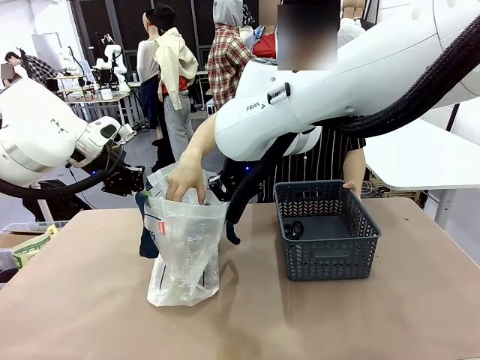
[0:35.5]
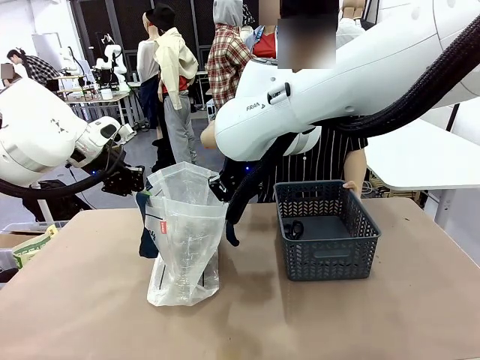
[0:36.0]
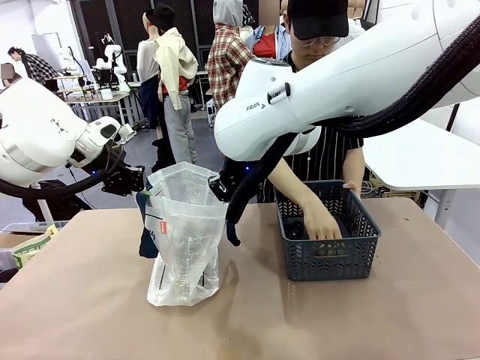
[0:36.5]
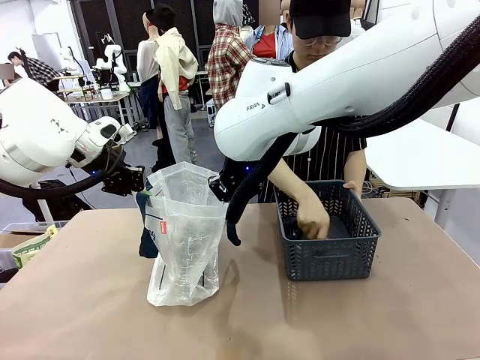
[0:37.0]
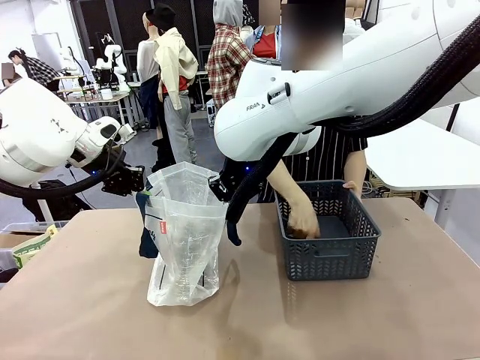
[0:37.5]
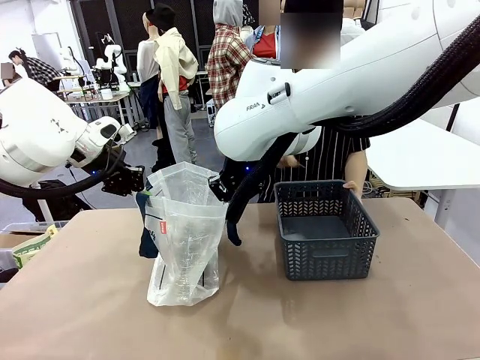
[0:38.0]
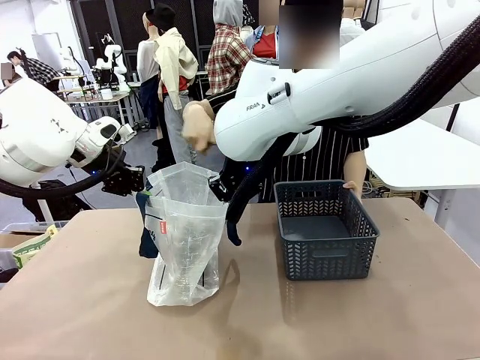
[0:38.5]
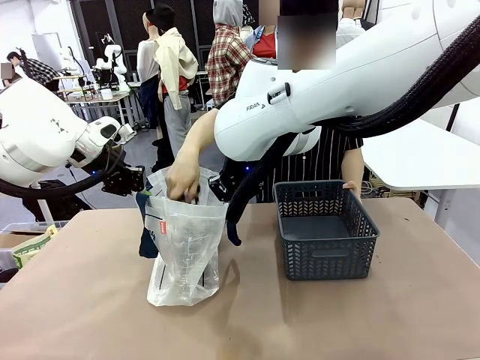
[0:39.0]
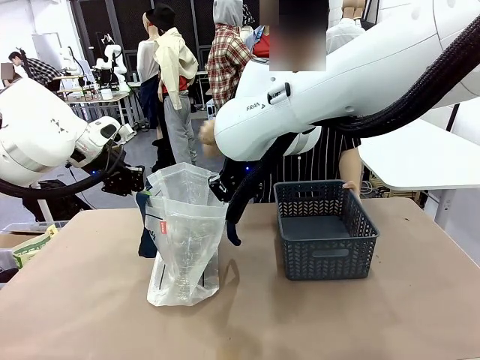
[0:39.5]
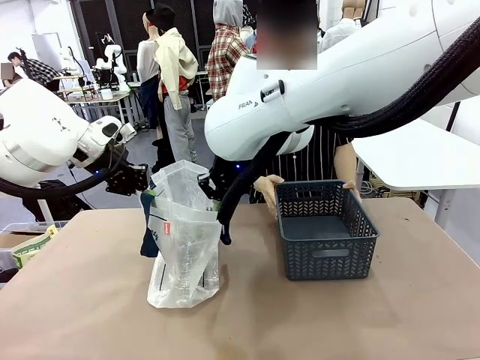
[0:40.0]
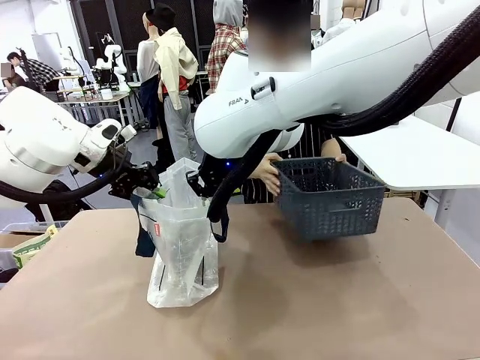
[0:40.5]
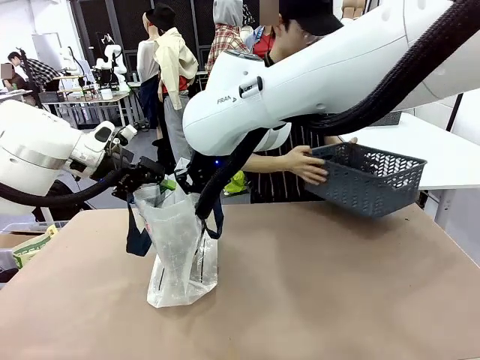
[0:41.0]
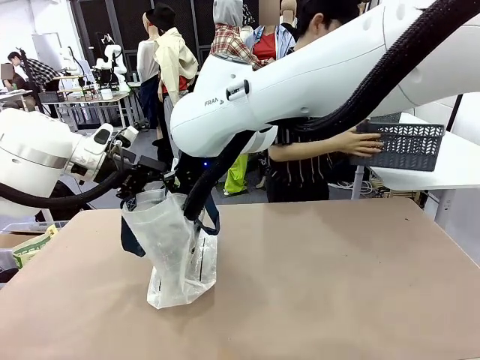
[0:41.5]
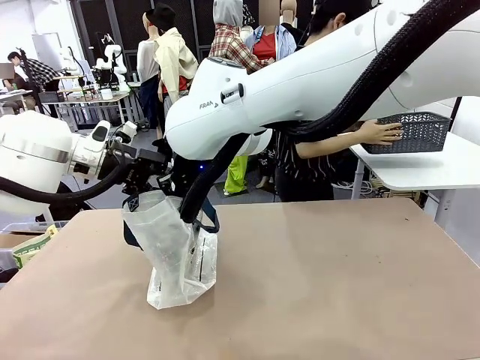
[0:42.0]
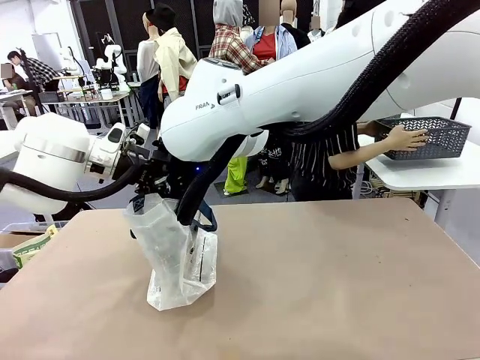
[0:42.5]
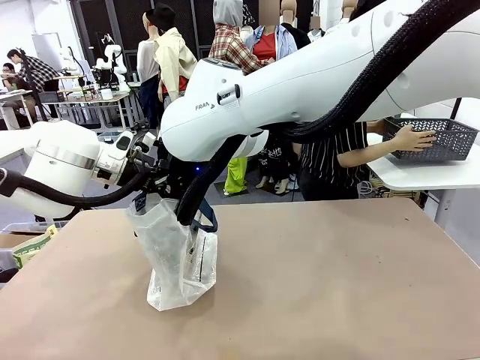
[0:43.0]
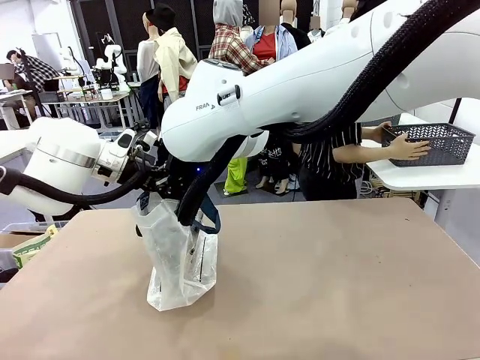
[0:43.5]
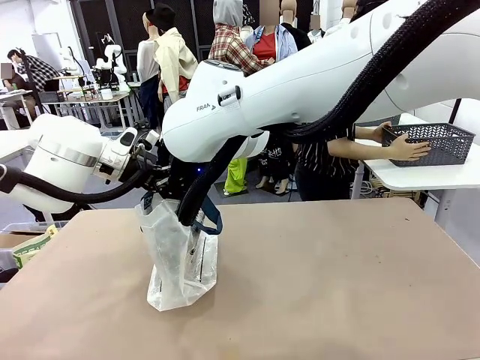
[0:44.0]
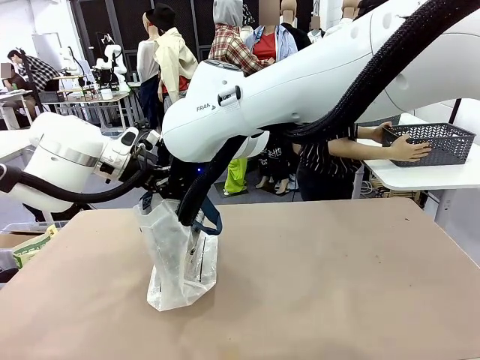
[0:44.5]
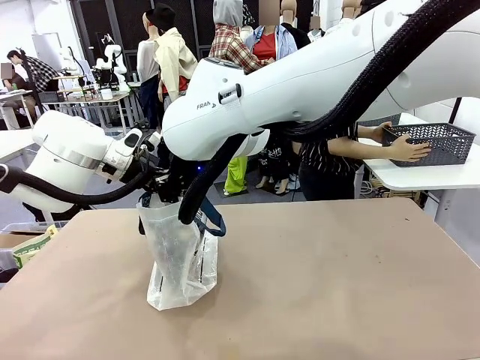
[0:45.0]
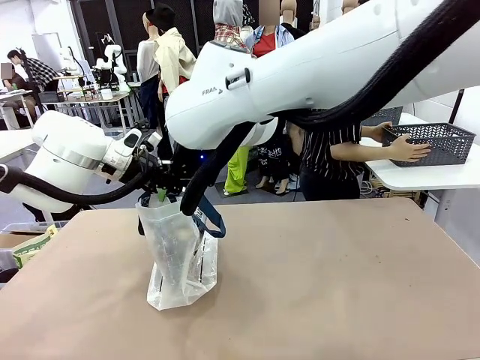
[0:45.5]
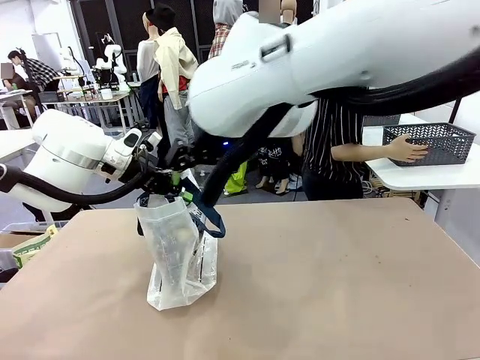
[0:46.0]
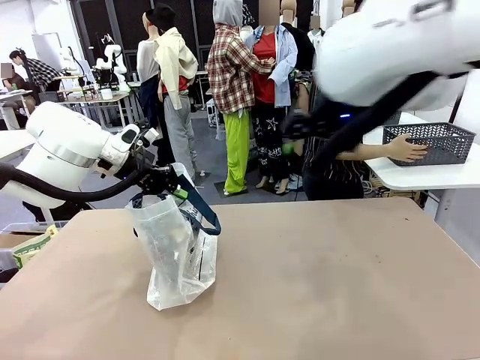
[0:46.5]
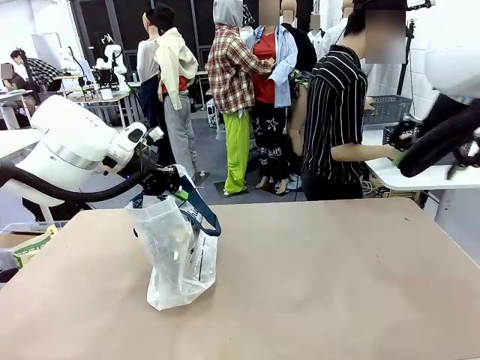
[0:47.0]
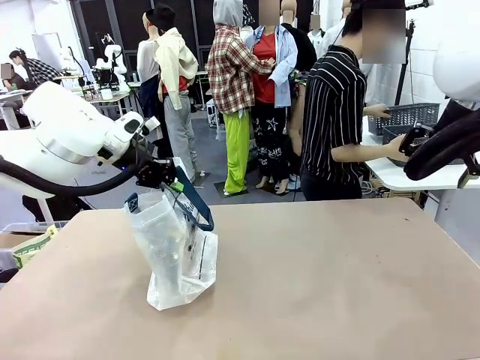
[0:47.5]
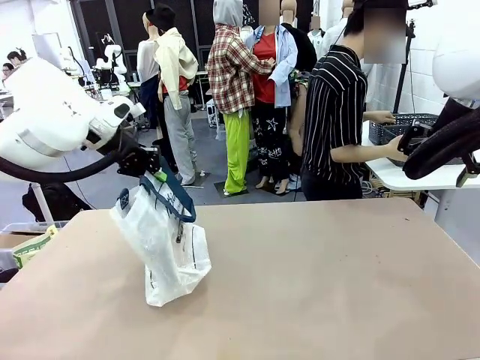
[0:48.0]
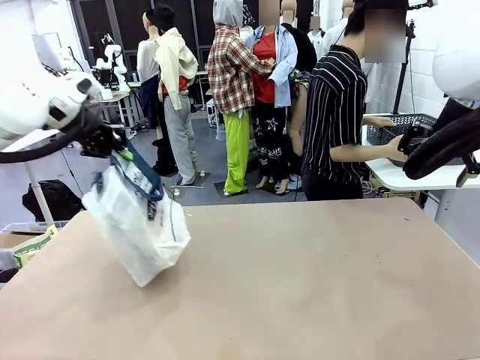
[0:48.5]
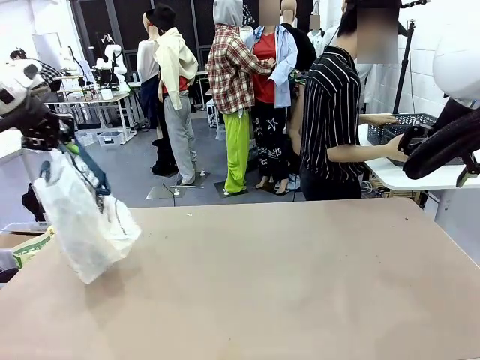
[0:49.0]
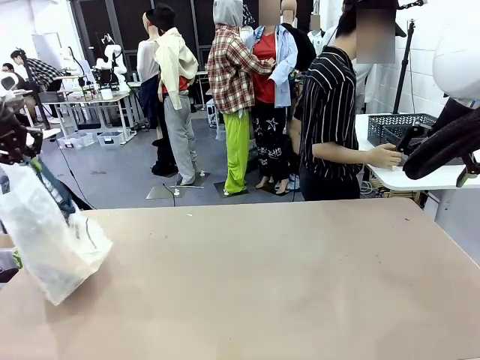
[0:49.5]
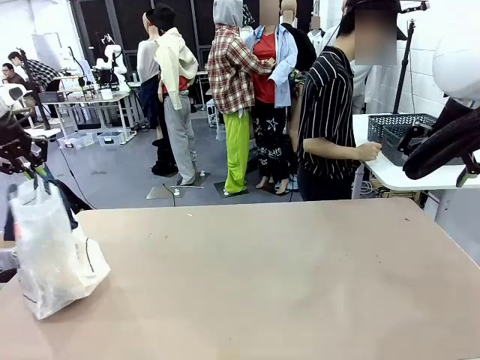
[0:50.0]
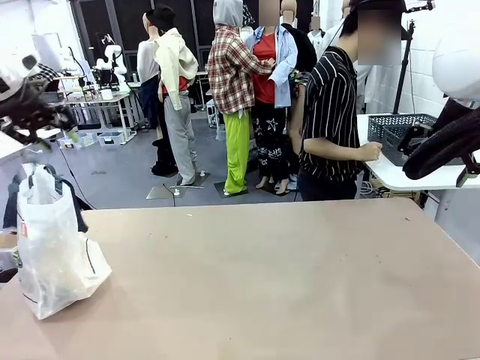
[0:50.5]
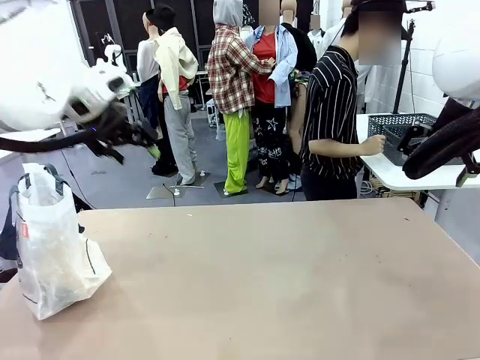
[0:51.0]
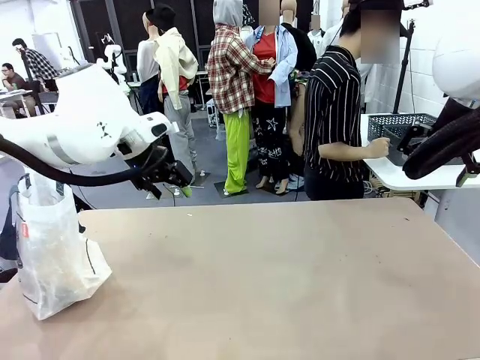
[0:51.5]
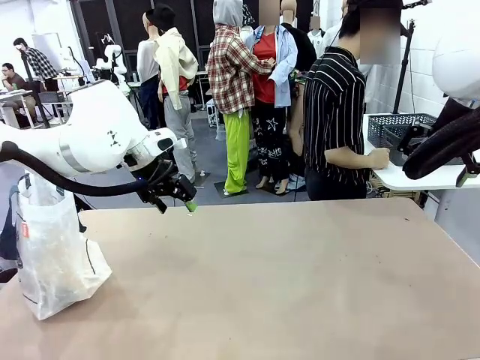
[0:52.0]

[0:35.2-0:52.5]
Task: Transfer purchased items from the store into the shopping bag.
Robot: Move the Reusable shopping bag to the right side of the table.
Person: Move the basket on the left to the middle of the person's table.

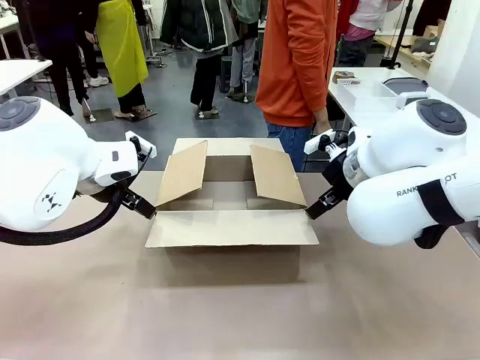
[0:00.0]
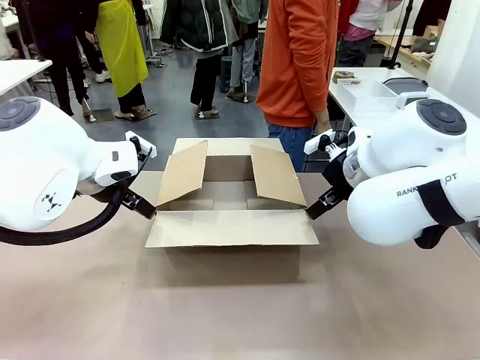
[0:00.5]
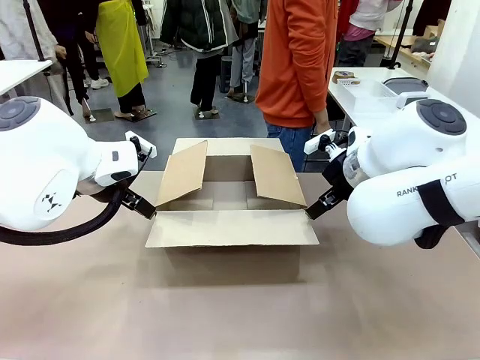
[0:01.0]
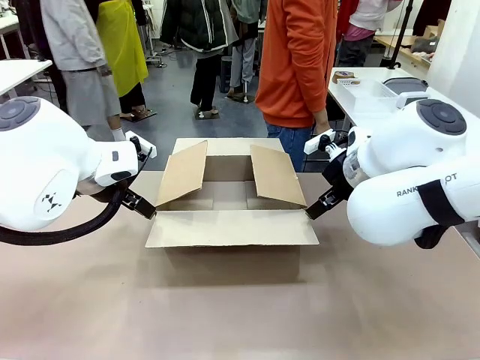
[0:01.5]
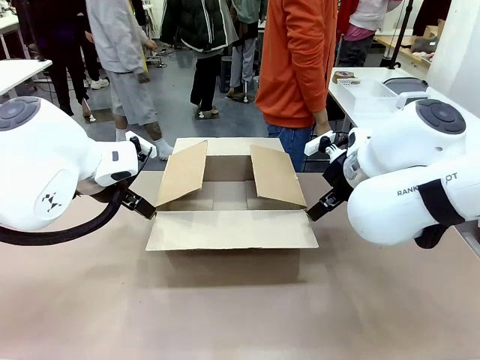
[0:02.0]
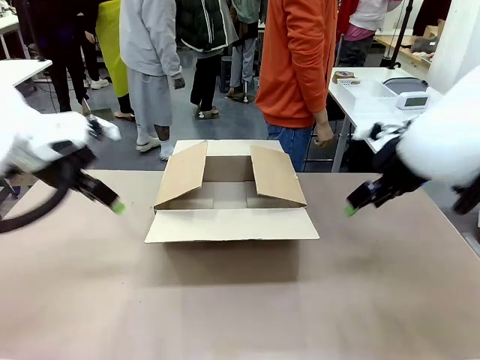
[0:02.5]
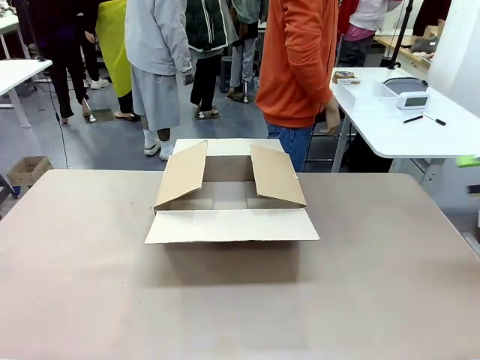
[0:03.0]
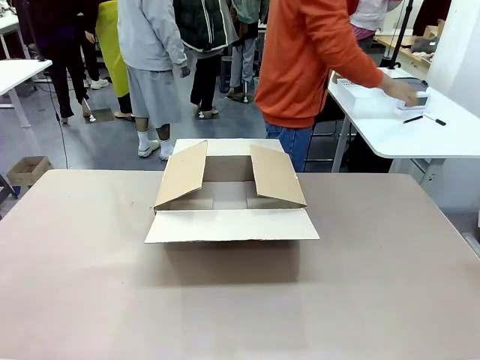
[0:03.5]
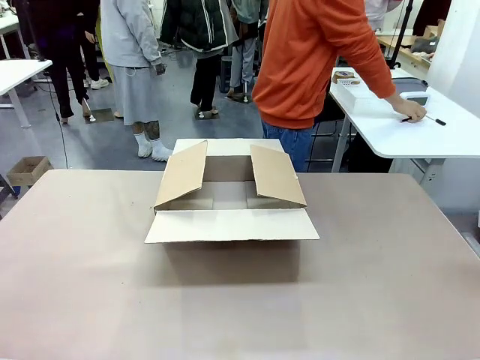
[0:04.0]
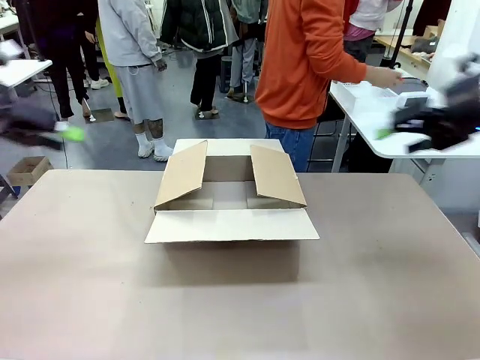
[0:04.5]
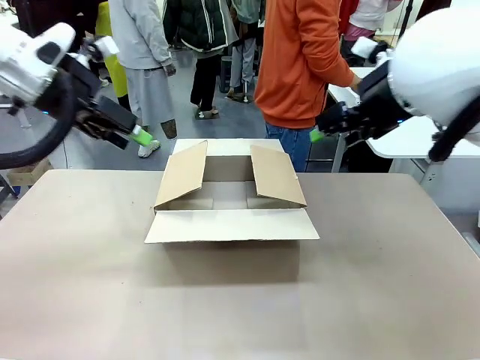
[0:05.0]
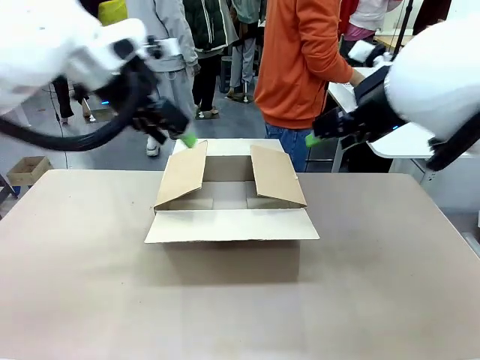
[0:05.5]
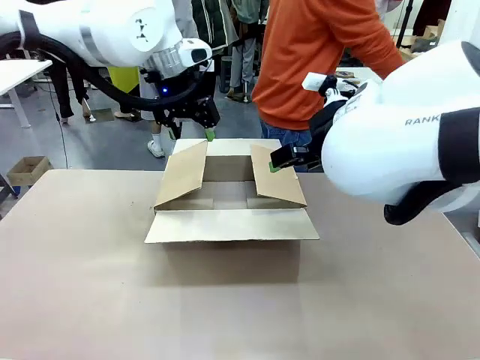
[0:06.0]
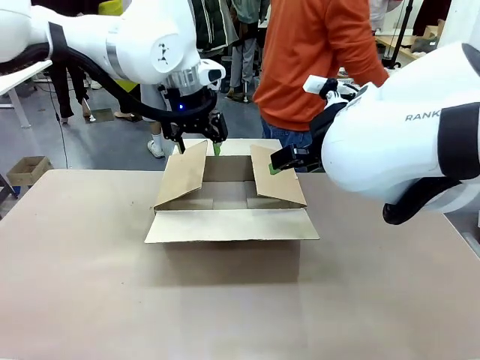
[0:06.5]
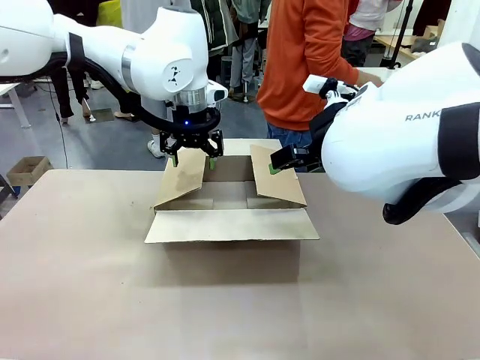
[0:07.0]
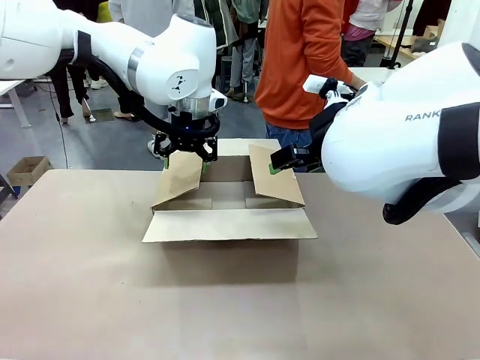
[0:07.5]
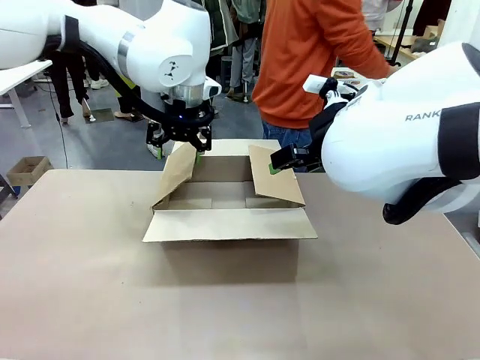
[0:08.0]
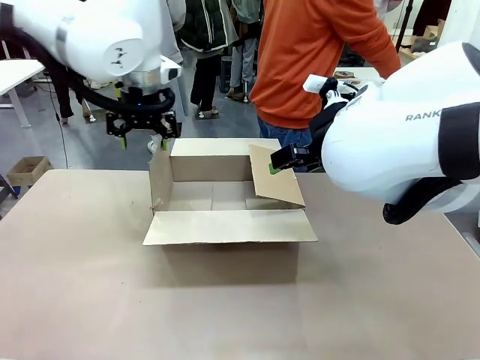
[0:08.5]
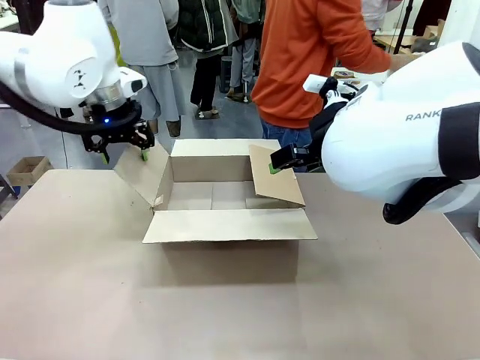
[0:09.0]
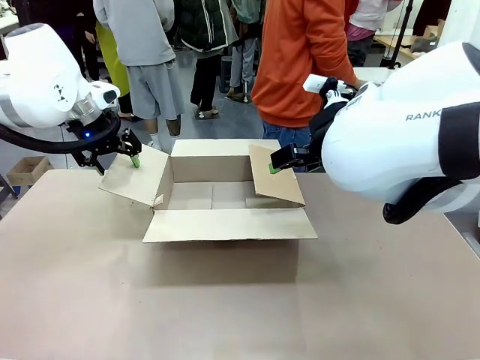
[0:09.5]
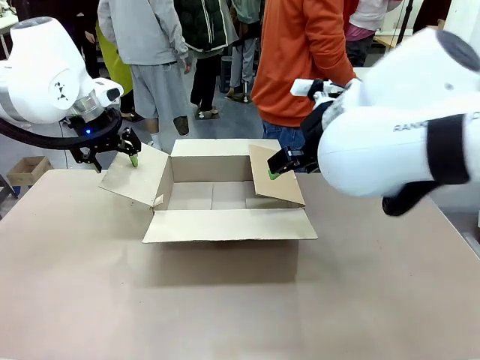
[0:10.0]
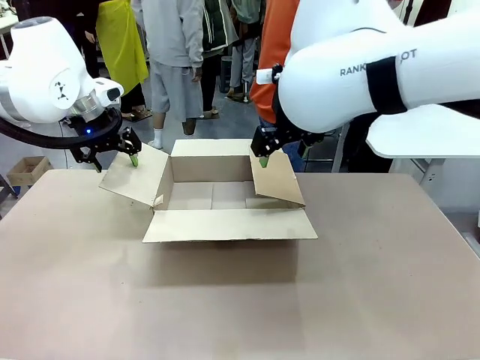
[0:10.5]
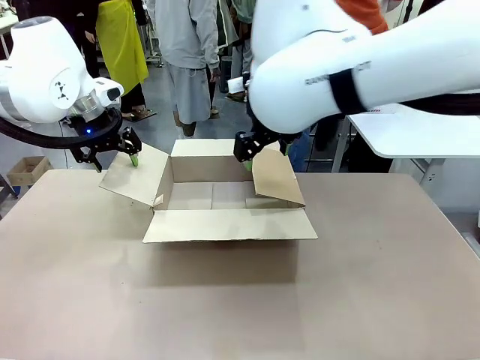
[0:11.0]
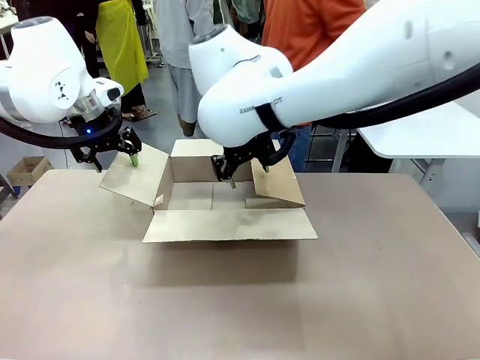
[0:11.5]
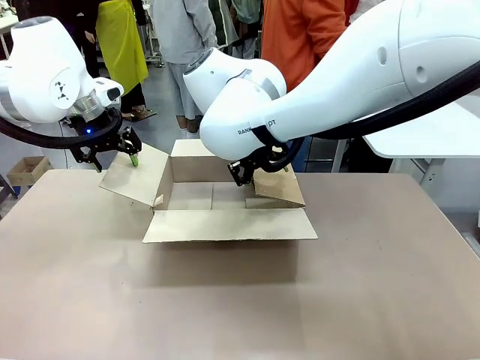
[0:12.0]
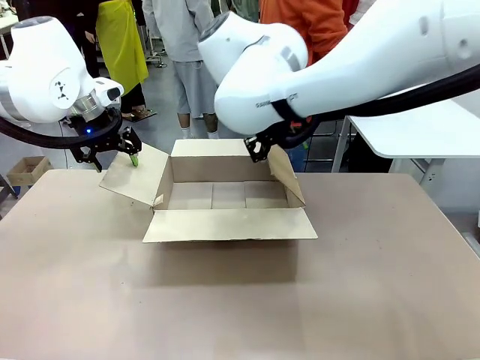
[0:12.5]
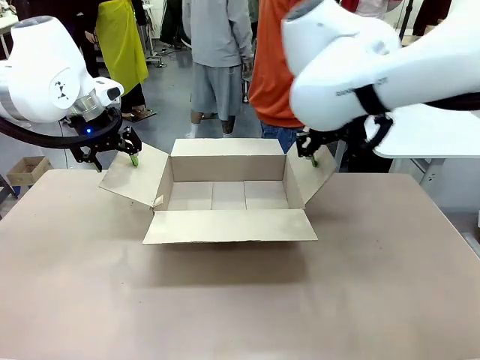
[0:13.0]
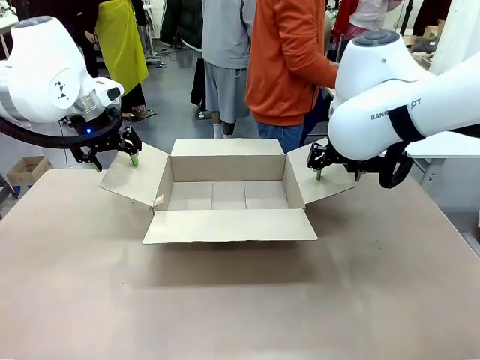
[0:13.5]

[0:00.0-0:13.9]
Task: Pack the gift set into the box.
Robot: Place both hands on the side flaps of the Package Box and spread them outward.
Person: The human places all items except the paper tape into the organizing basket.
